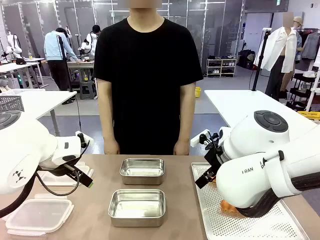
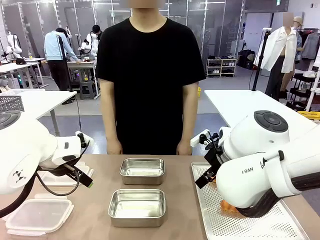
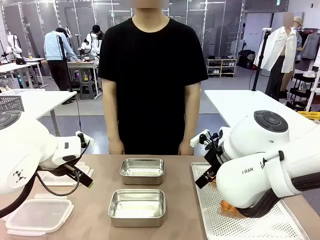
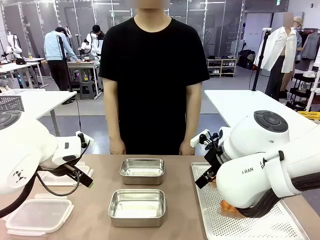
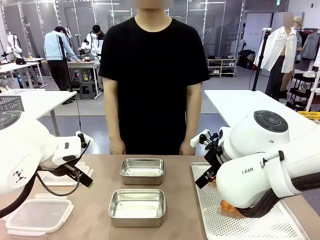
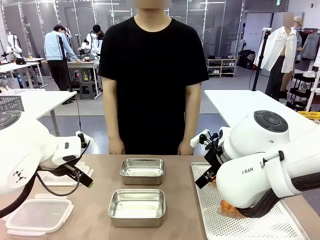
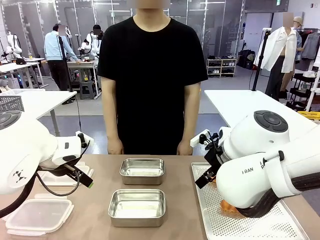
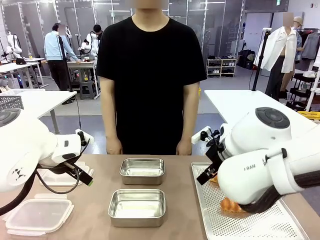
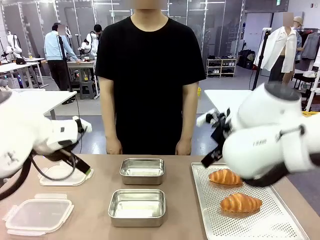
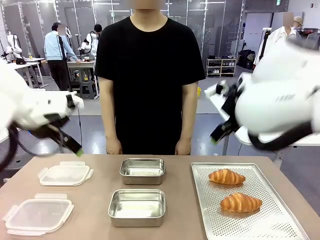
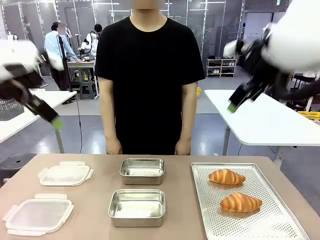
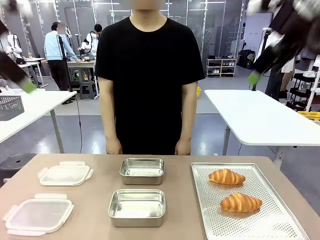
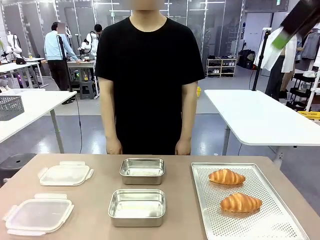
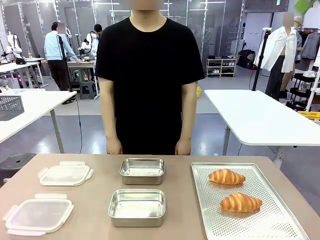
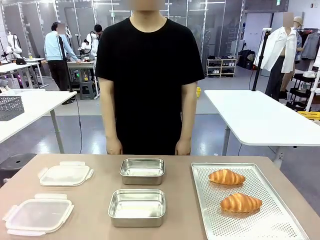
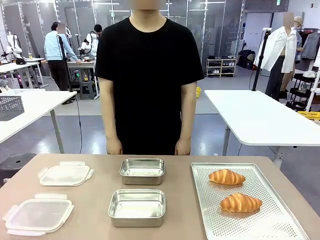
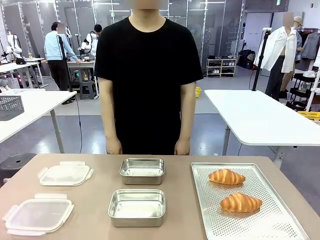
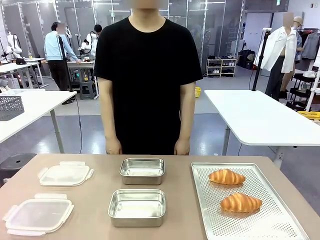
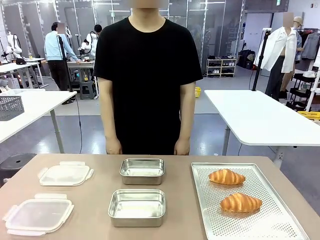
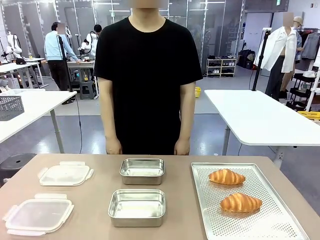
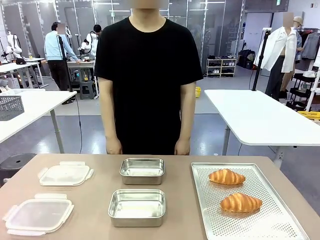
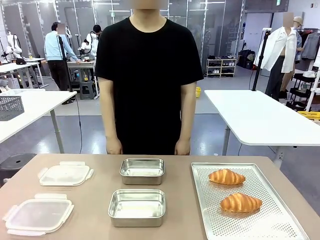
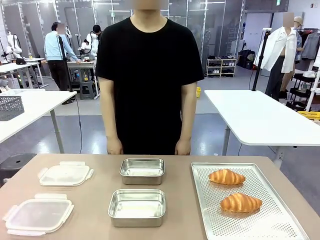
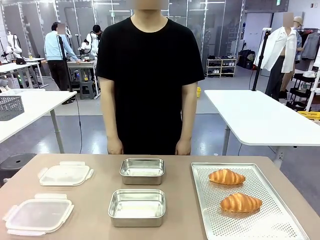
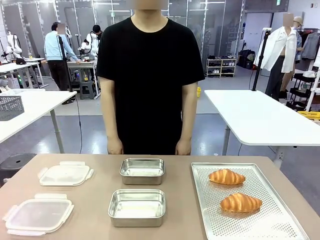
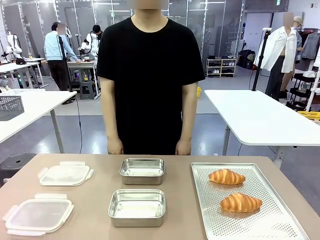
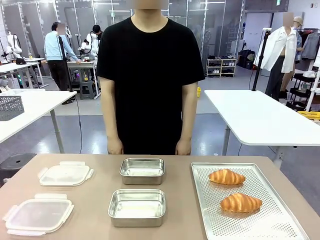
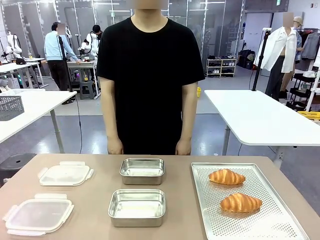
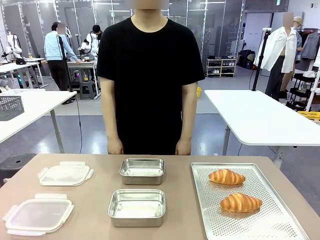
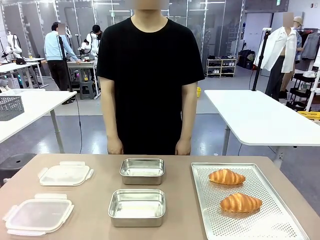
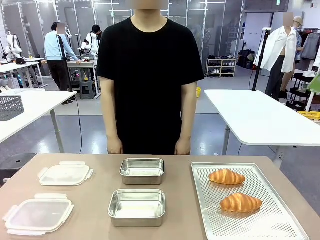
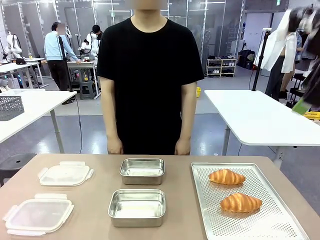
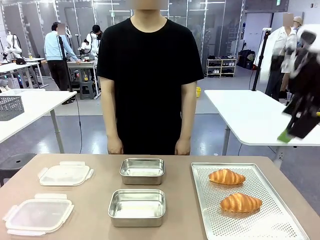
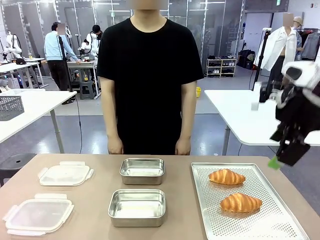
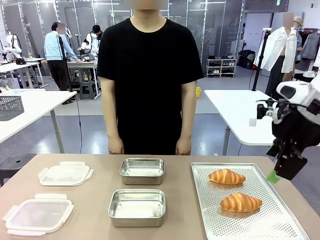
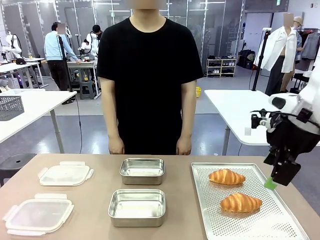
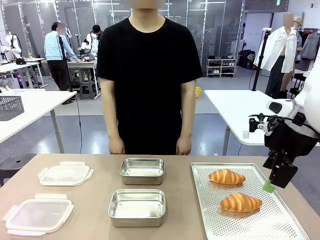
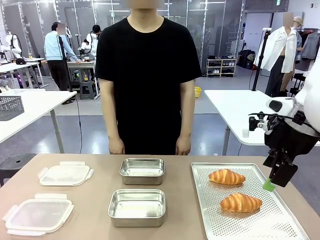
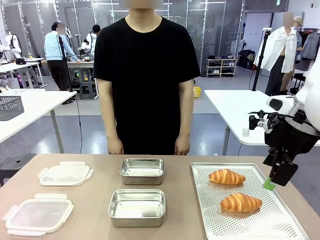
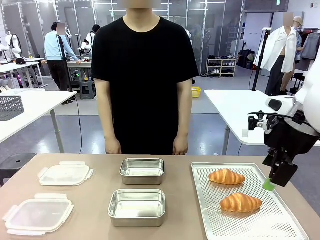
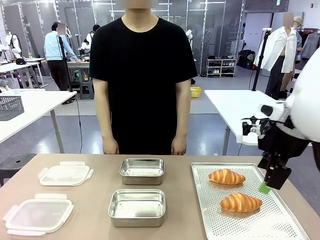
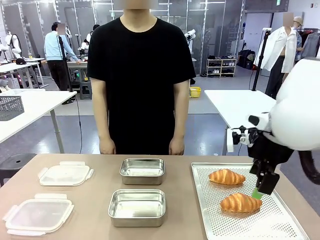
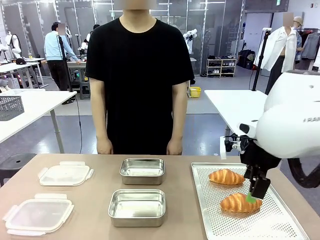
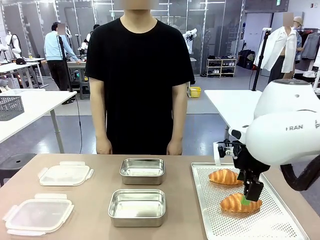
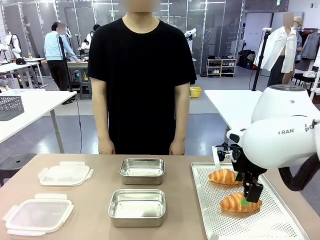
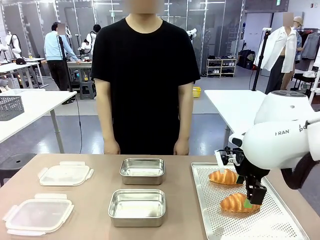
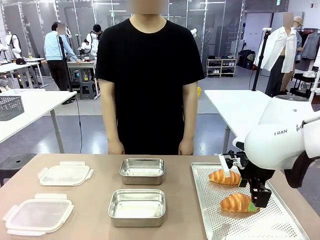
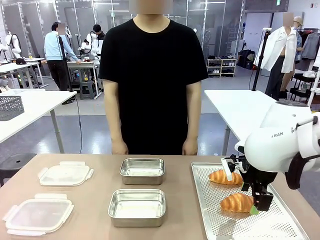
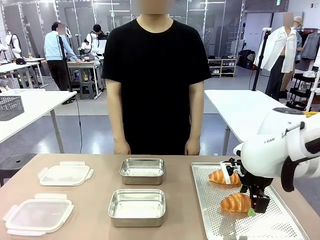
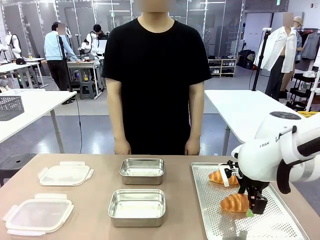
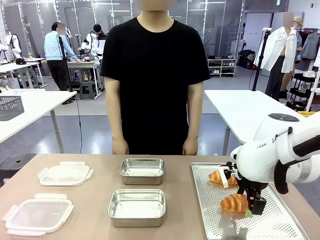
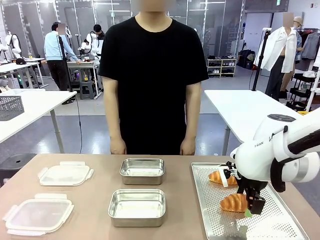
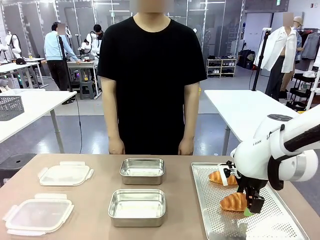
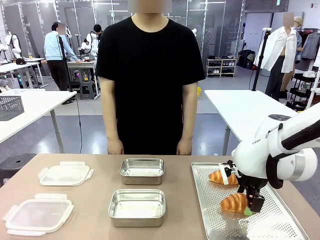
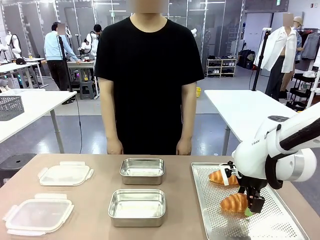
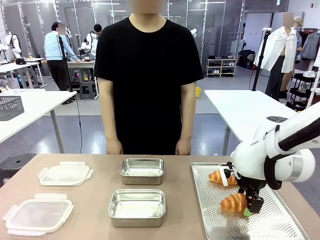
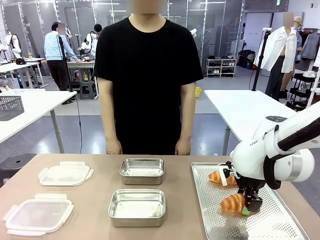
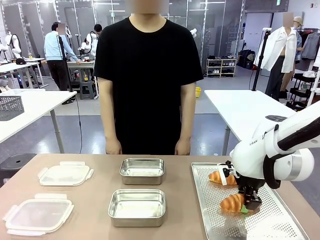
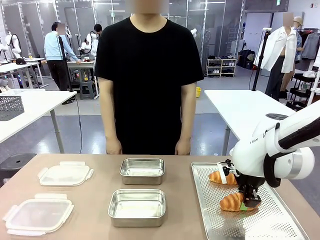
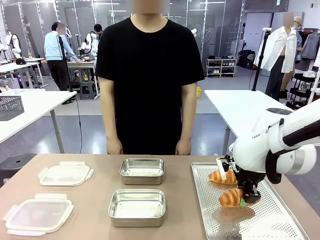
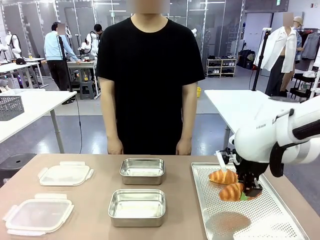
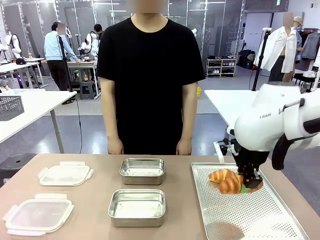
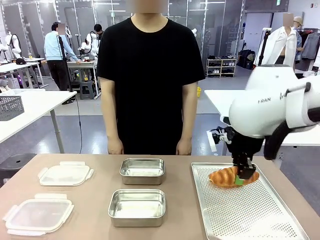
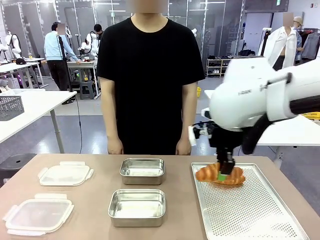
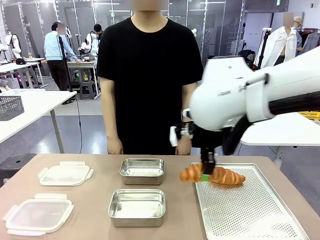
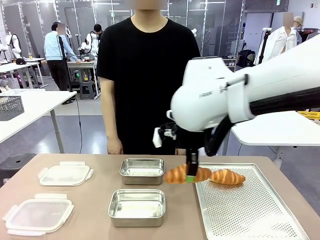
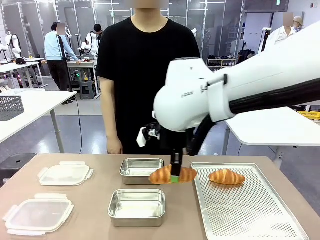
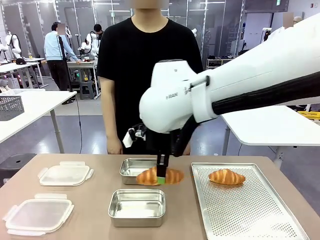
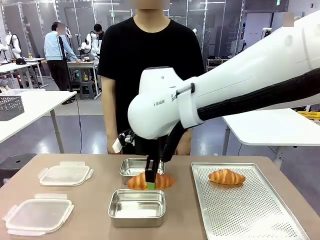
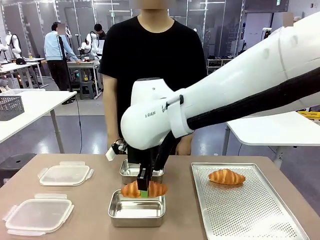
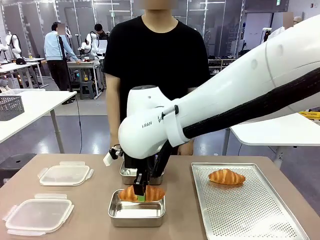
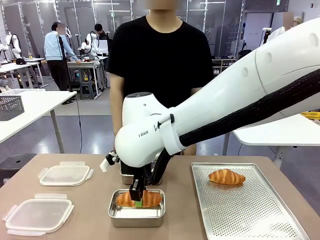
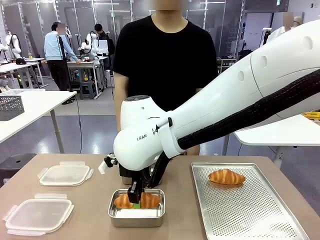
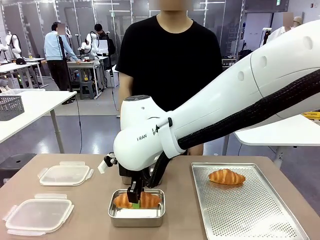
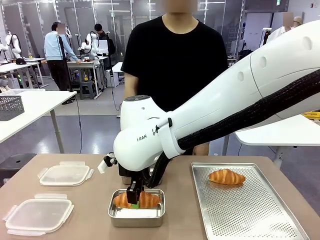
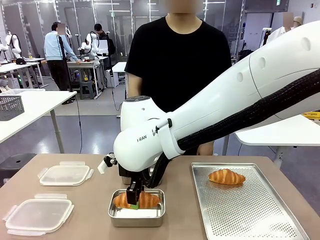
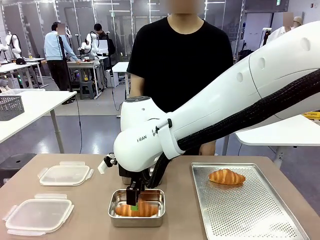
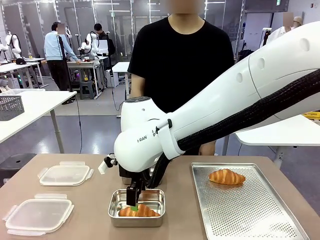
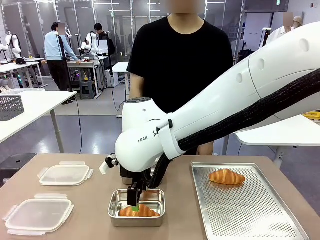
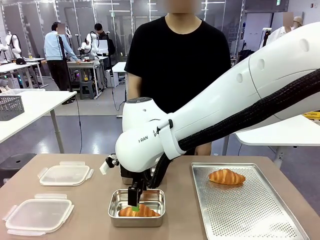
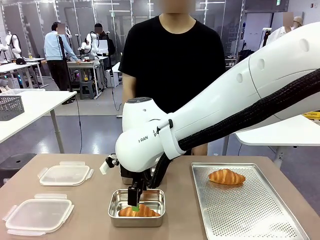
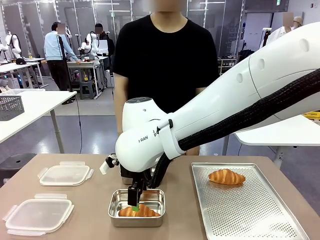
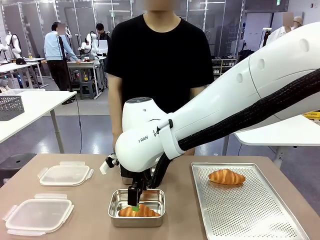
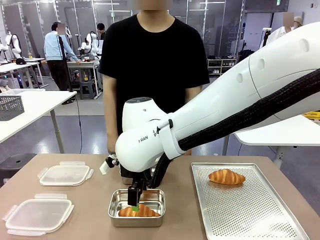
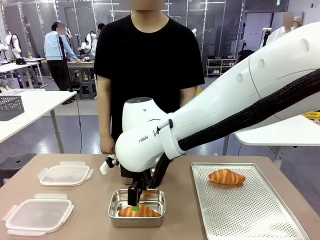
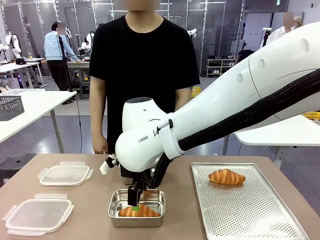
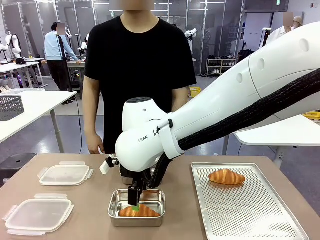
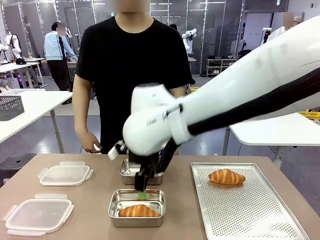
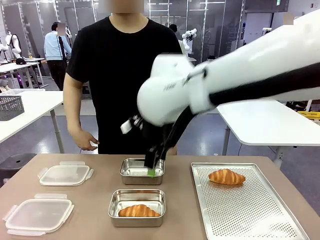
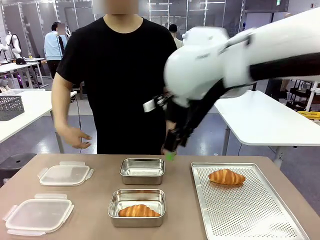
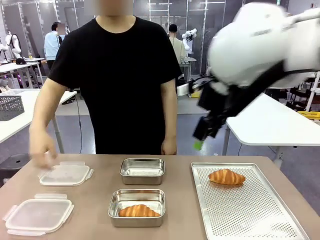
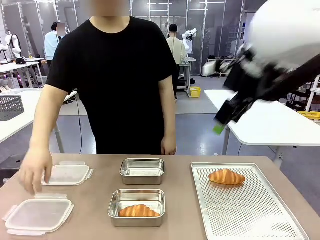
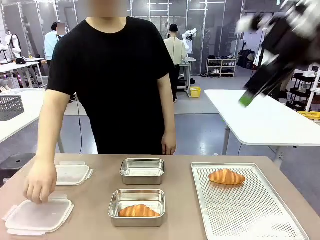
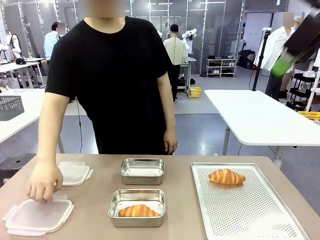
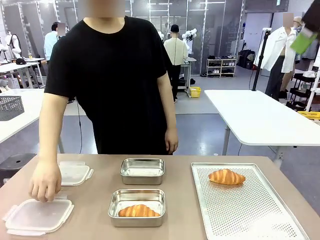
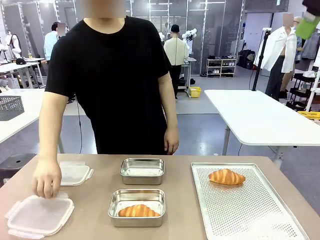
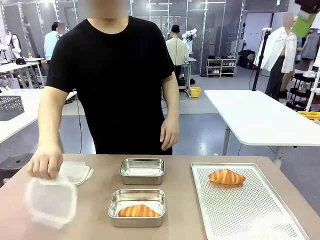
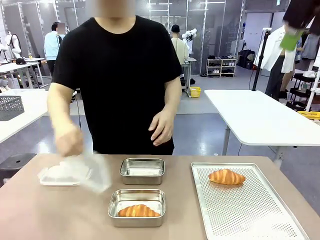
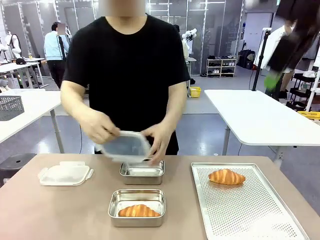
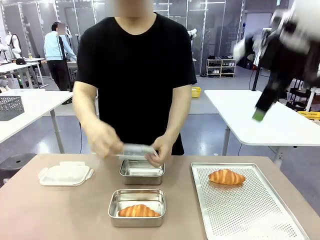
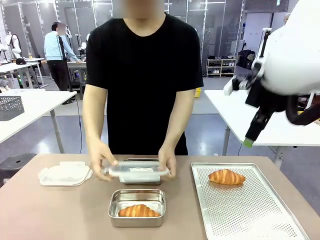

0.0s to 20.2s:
Task: Place the bread into the airtight container.
Robot: Pick up a Butter Roll and place it into an empty Airtight Container.
